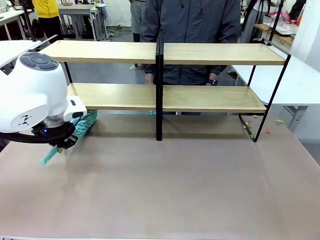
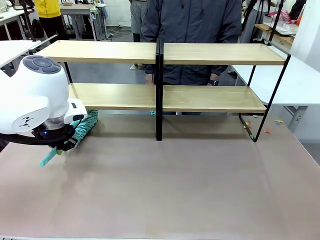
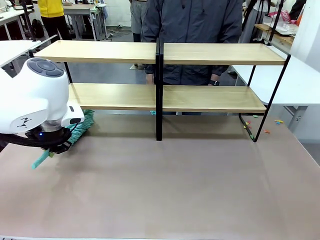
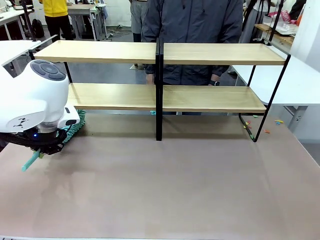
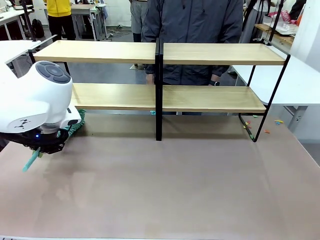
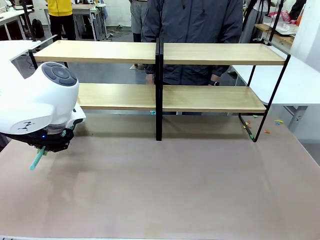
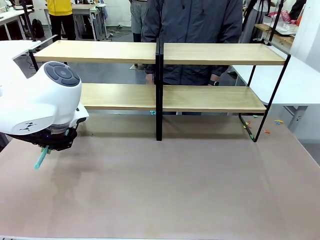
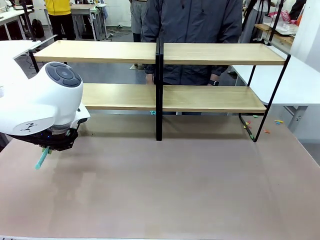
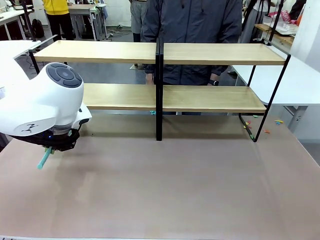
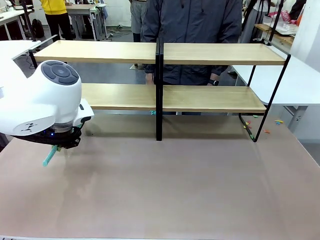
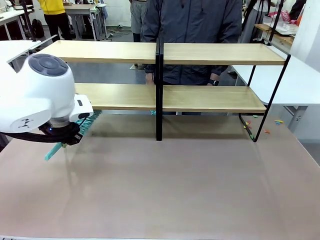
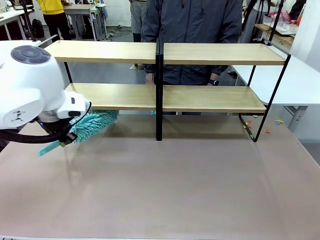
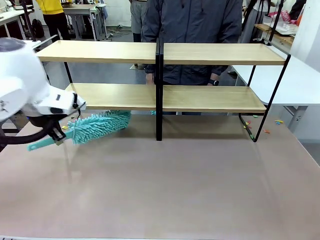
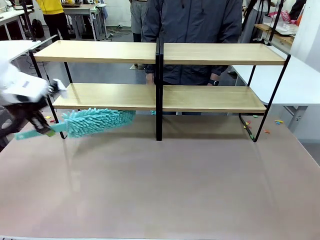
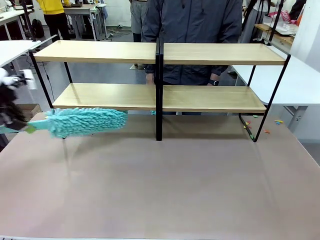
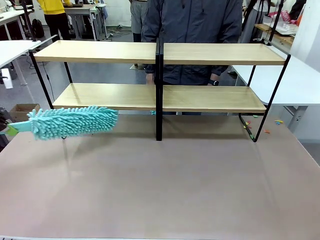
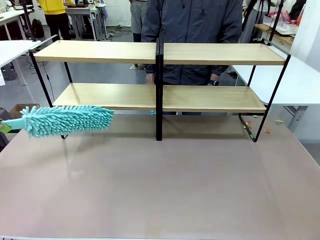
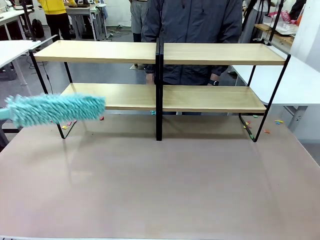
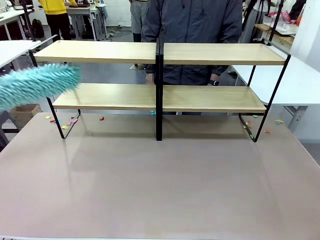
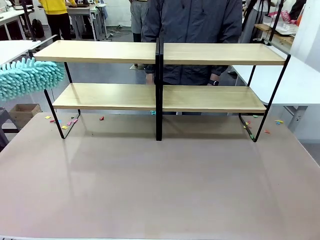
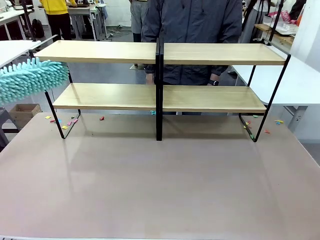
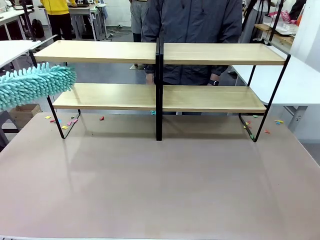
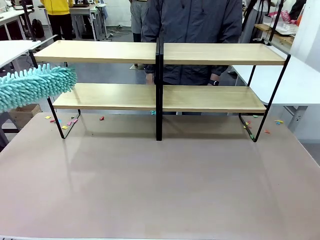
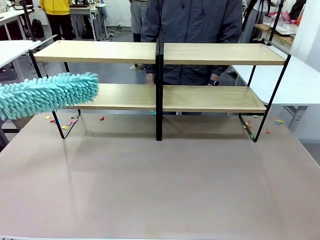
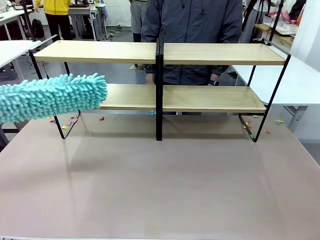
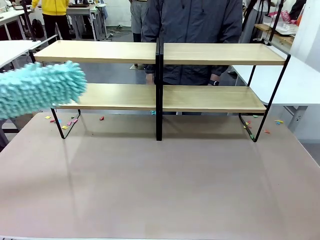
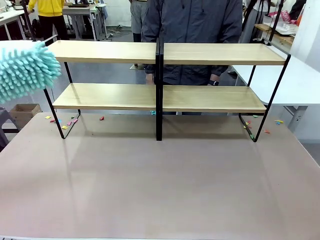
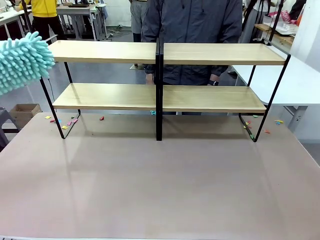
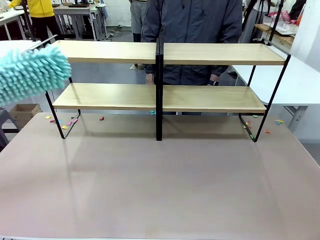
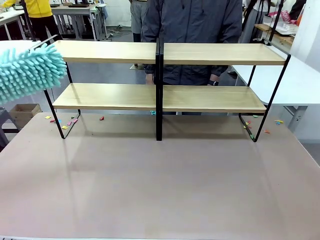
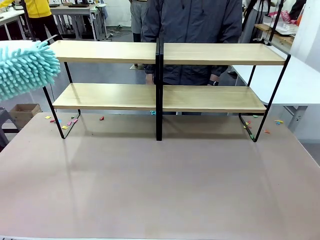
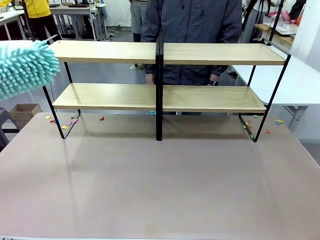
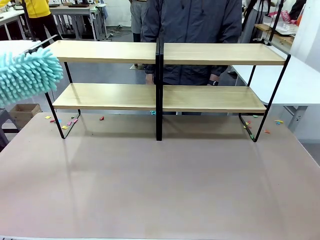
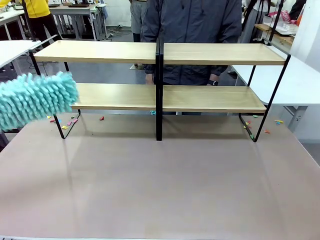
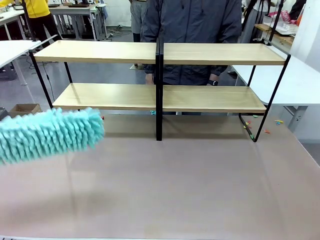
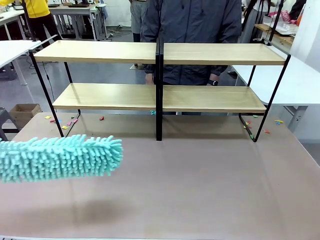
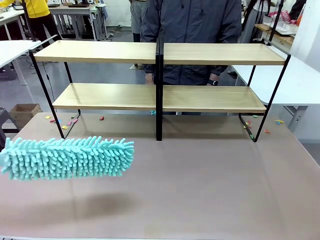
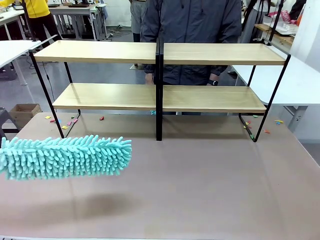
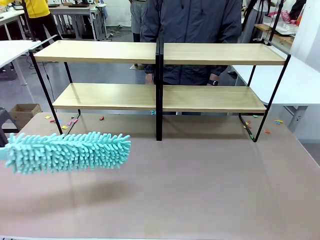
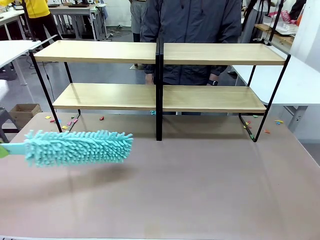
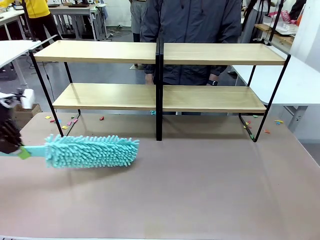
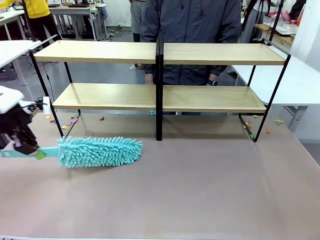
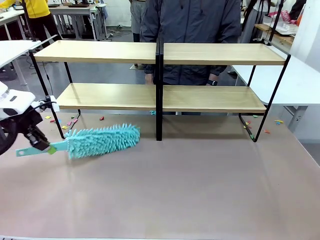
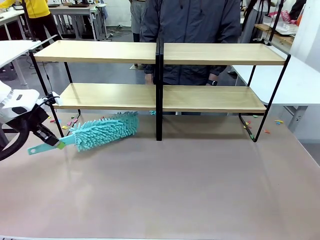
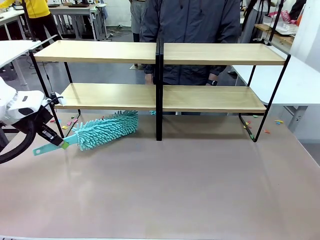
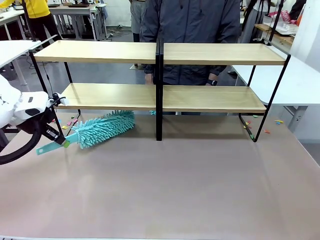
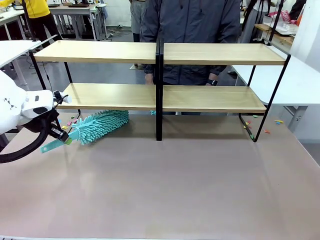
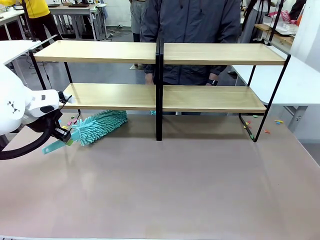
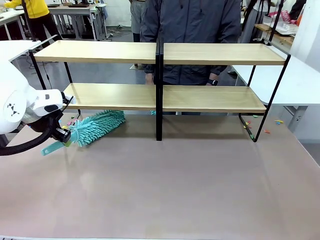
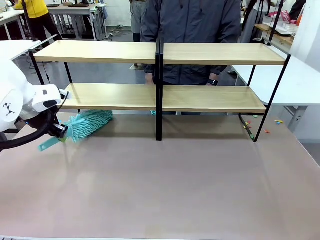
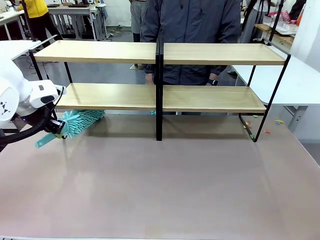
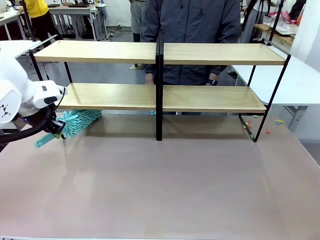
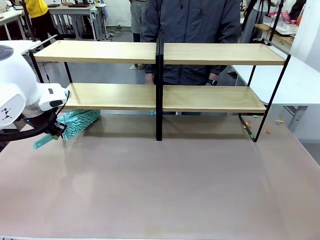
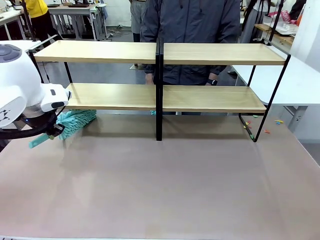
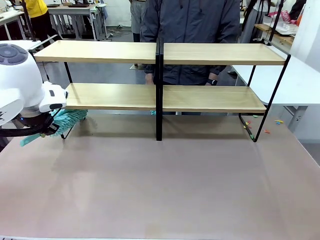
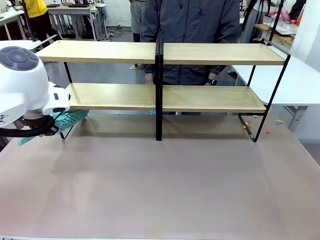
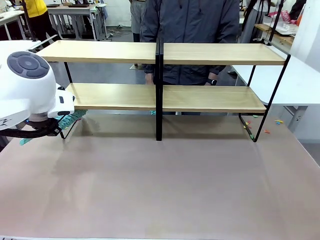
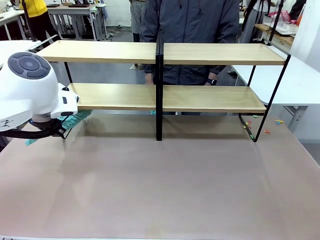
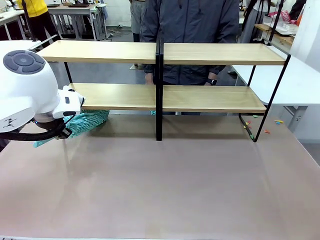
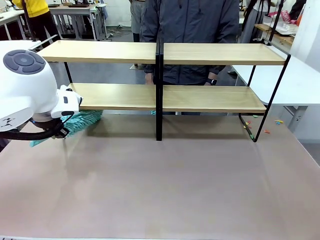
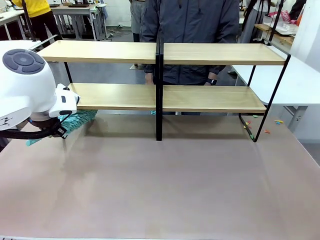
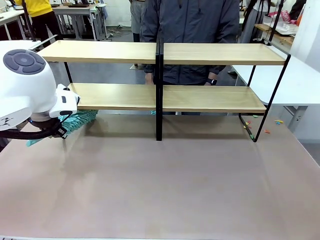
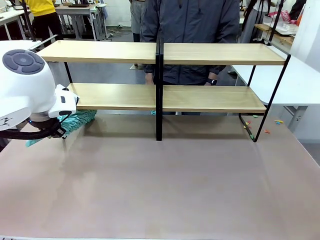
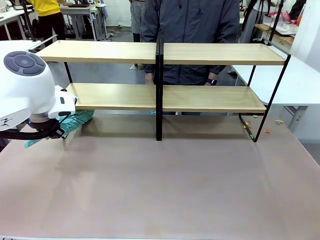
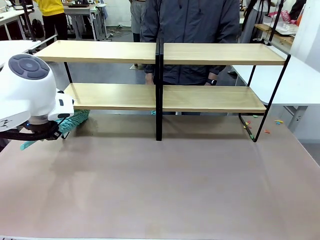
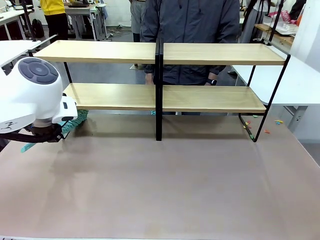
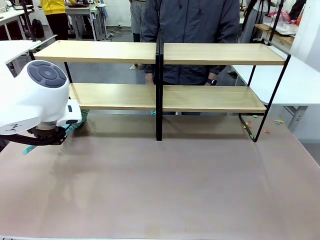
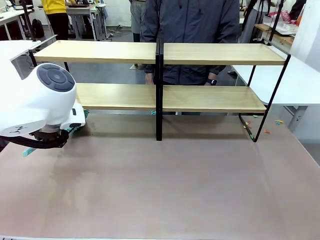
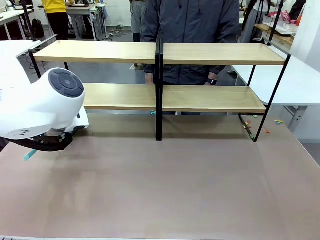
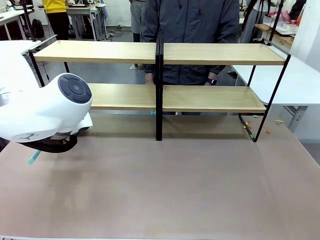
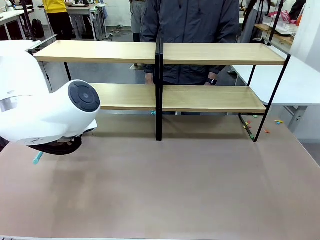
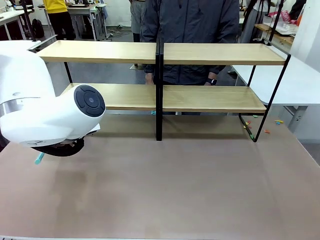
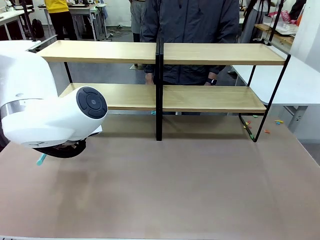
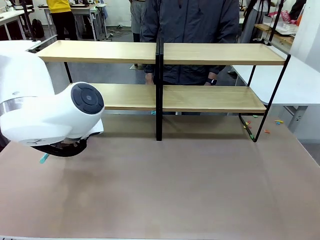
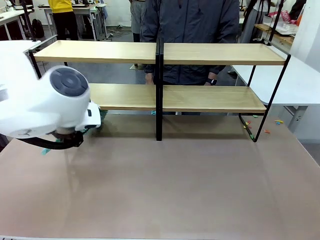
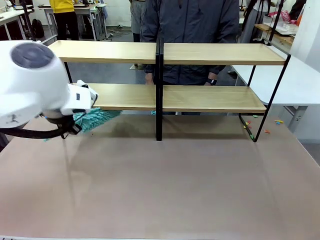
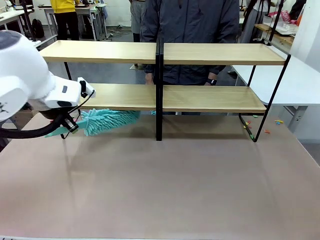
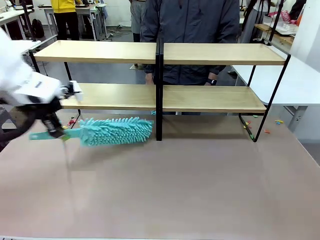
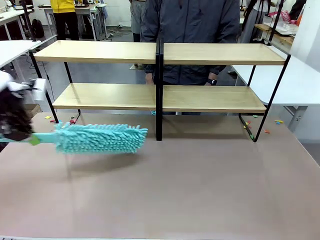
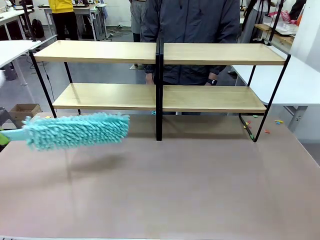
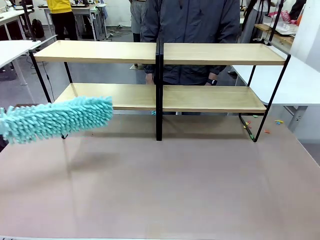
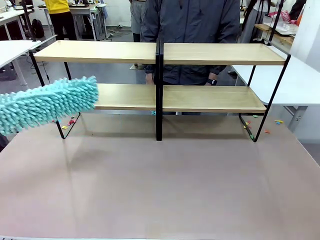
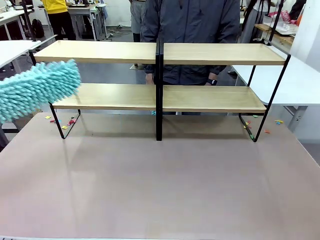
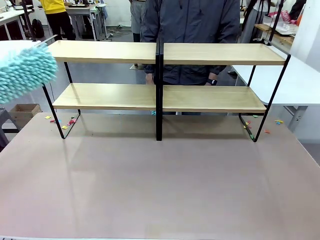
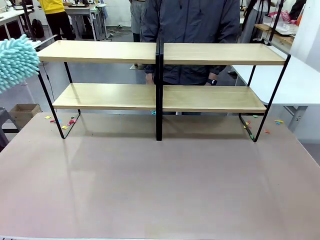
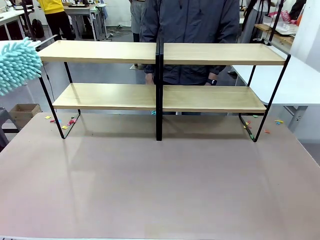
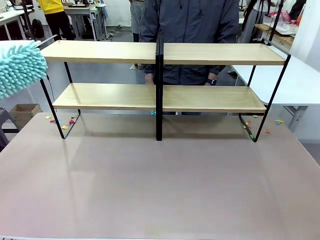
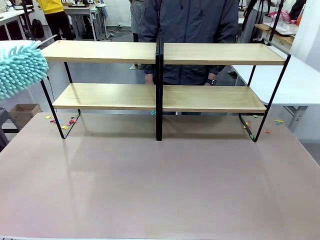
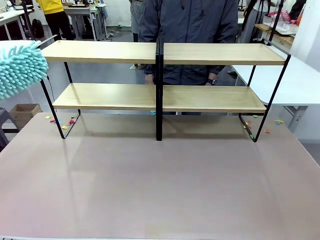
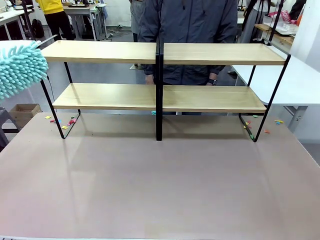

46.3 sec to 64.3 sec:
Task: Clean the shelves.
Robot: Clean another randomly selected level of the Shelf with the Duster.

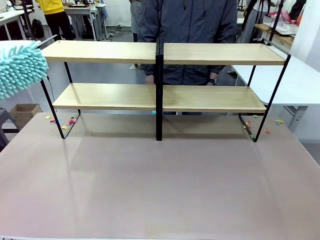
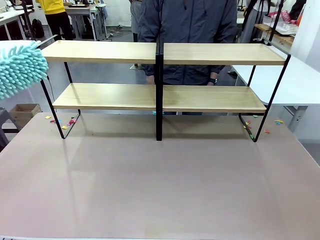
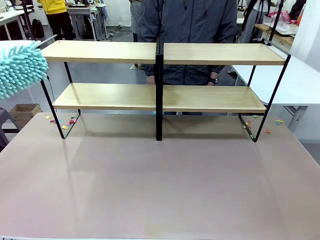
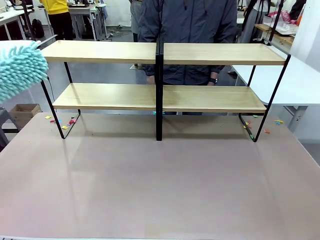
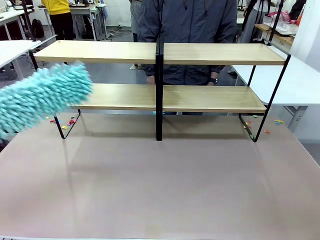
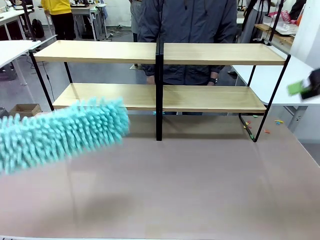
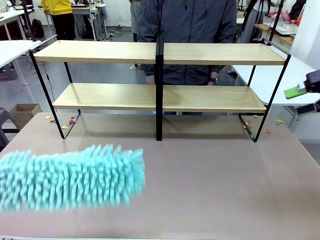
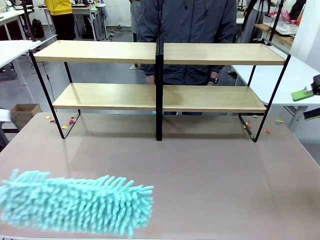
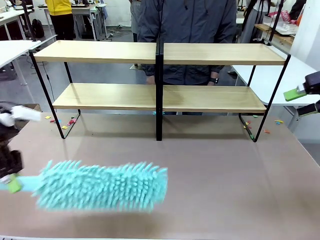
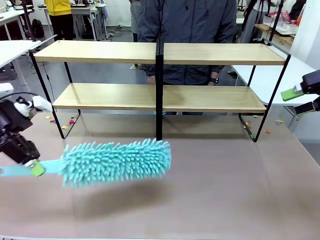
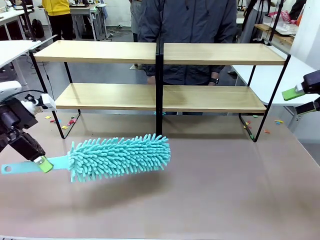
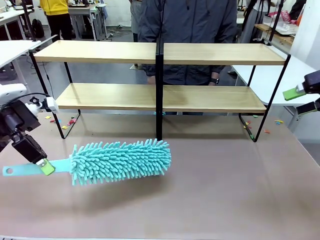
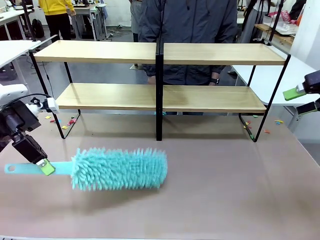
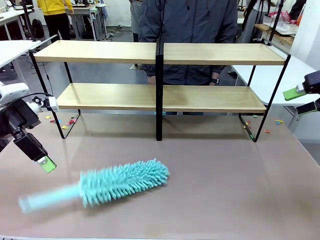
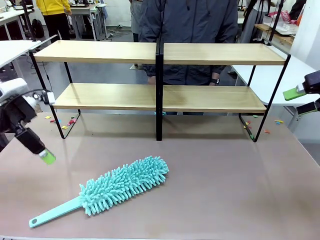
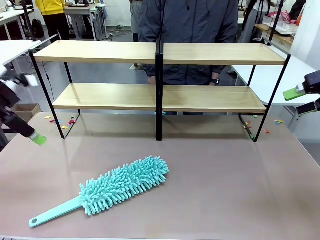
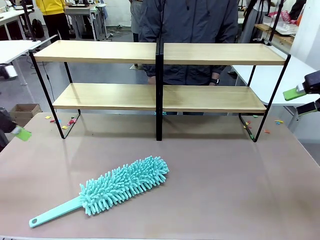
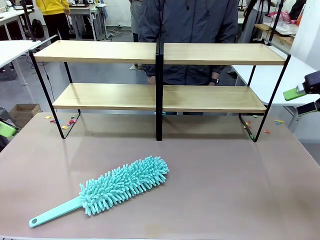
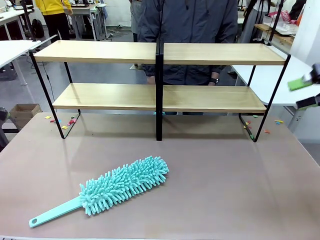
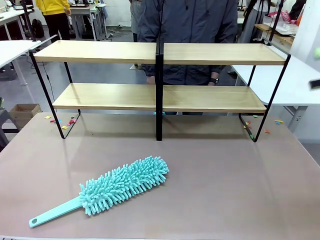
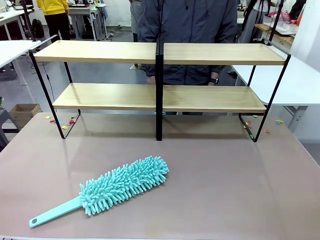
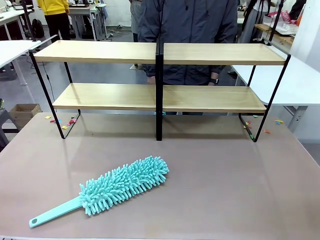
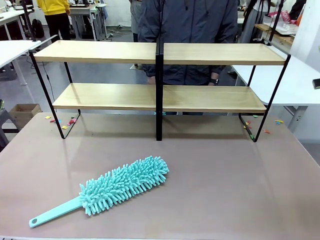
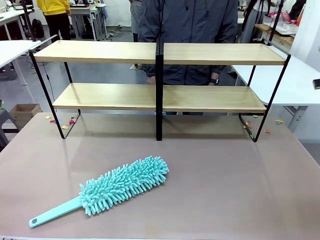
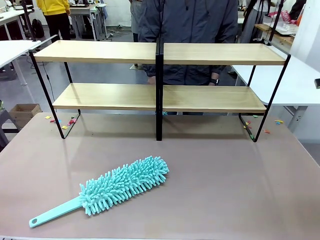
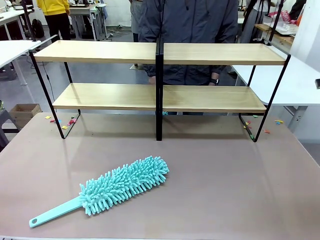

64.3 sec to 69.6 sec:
Robot: Place the Duster on the table.
